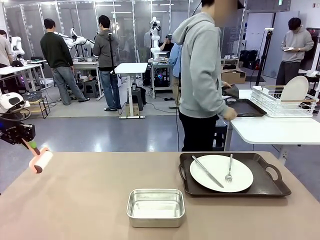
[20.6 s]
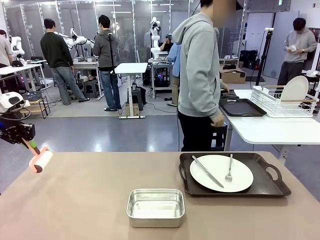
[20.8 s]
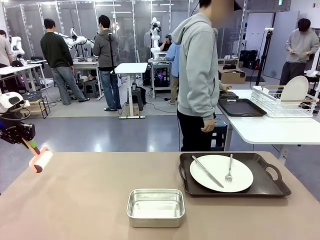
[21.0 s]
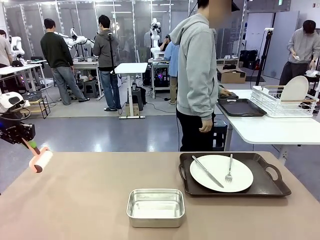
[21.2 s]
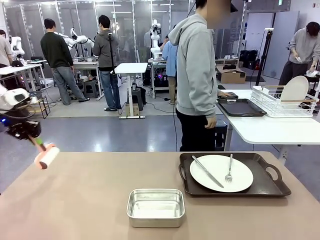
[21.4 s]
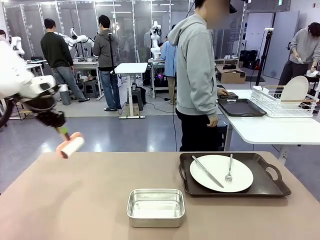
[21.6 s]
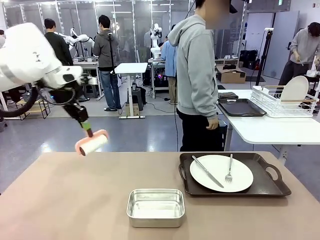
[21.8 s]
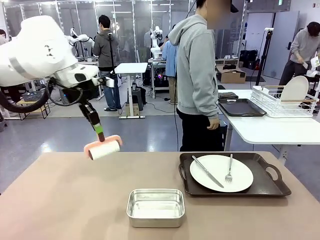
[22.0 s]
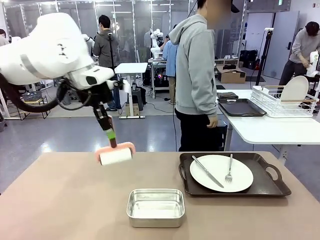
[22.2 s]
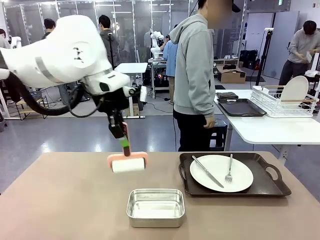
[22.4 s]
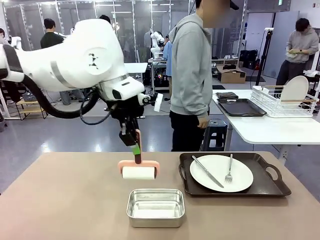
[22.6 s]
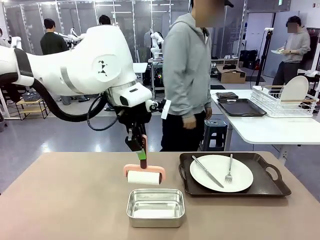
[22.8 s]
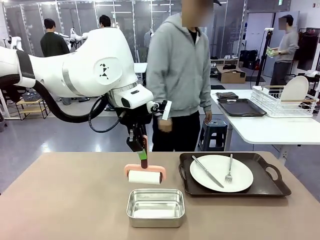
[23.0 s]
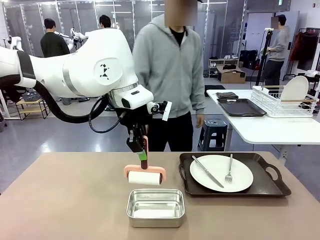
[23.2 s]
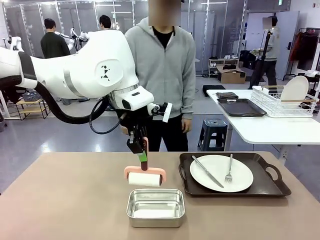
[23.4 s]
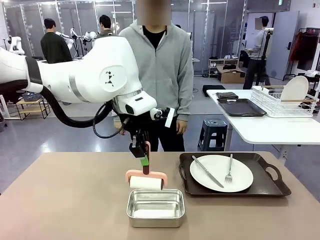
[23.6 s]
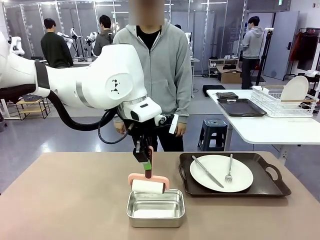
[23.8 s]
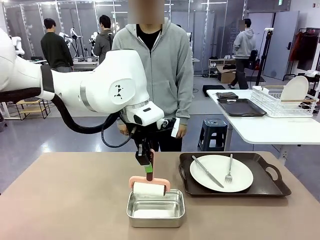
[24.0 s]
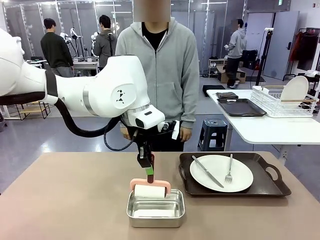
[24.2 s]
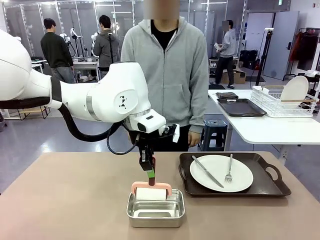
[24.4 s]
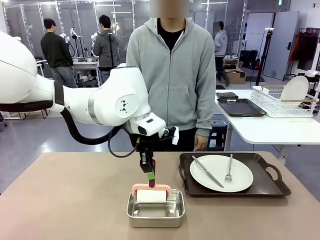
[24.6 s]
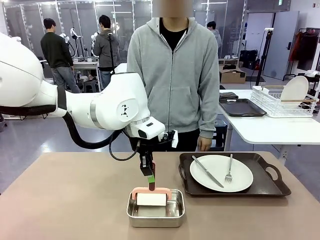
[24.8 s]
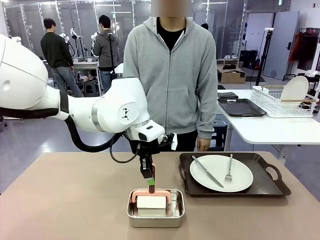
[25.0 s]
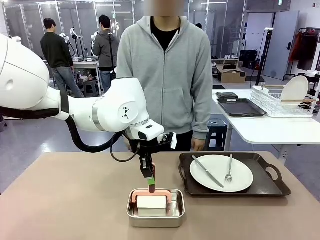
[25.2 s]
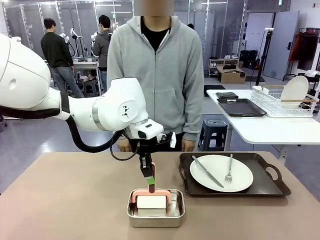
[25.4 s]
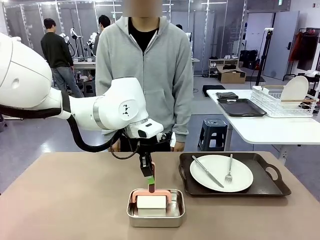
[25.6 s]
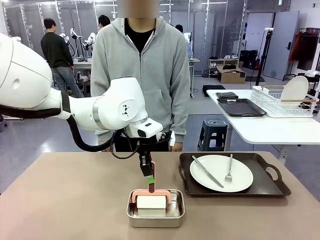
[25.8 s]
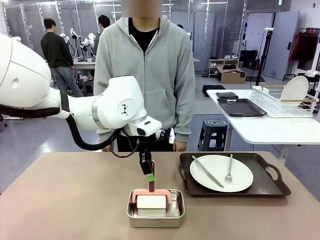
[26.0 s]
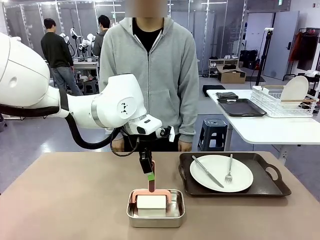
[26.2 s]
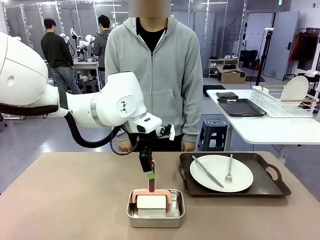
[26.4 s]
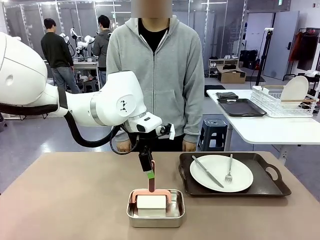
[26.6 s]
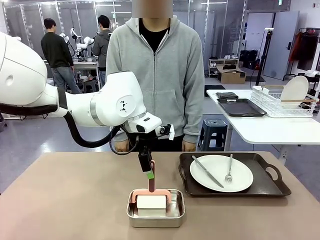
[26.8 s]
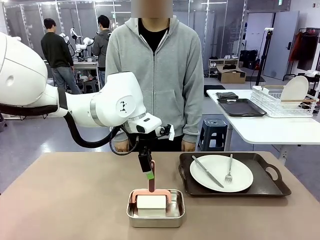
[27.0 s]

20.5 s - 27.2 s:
Robot: Place the Lint Roller back on top of the Airtight Container.

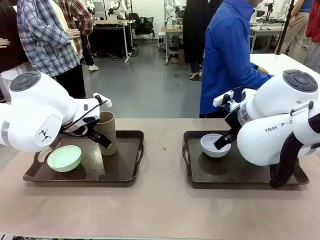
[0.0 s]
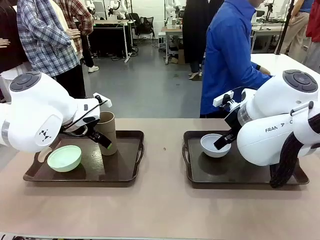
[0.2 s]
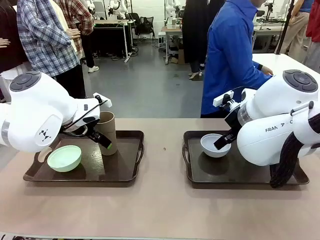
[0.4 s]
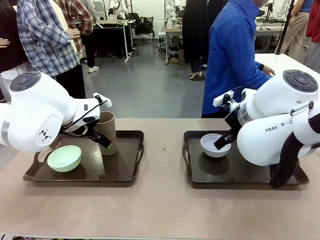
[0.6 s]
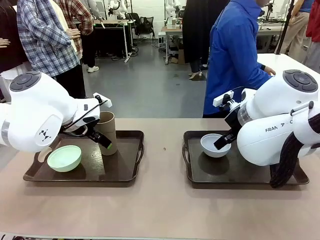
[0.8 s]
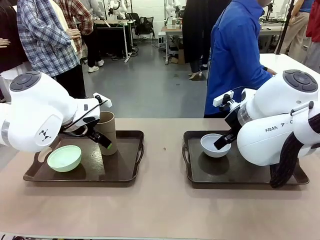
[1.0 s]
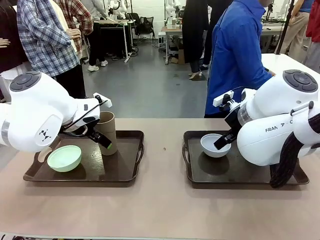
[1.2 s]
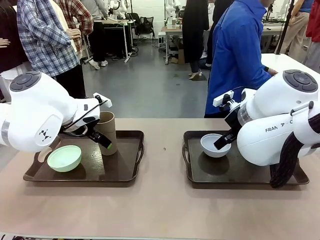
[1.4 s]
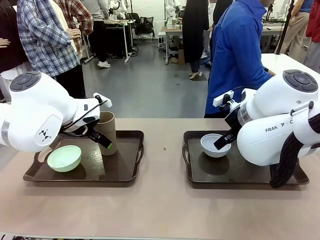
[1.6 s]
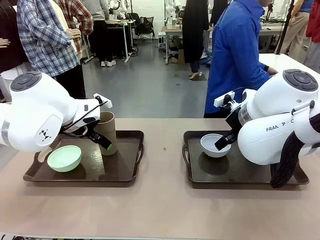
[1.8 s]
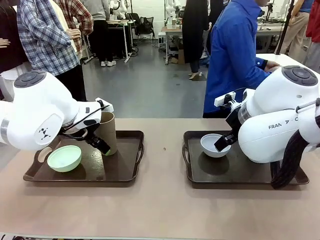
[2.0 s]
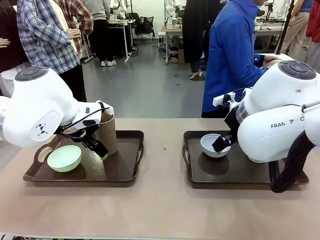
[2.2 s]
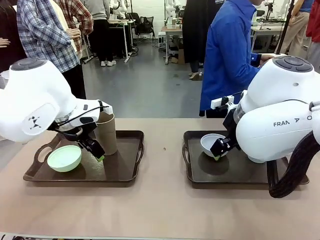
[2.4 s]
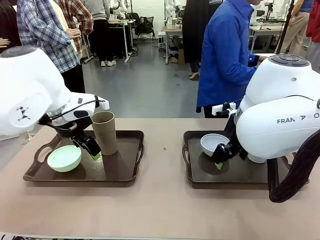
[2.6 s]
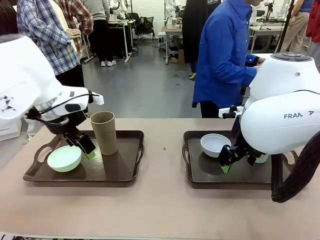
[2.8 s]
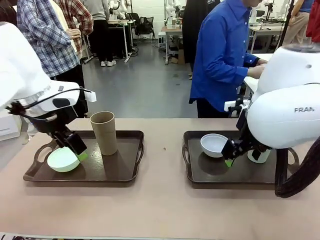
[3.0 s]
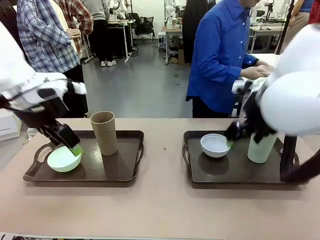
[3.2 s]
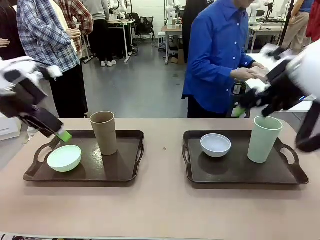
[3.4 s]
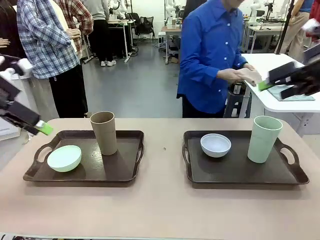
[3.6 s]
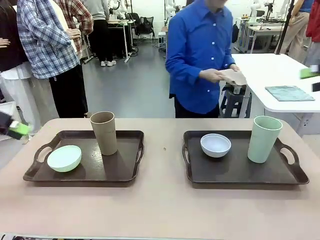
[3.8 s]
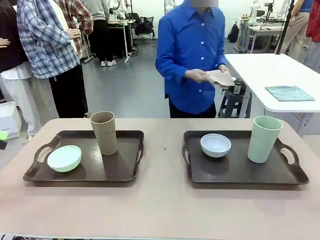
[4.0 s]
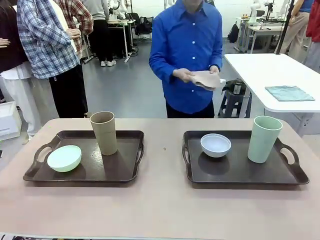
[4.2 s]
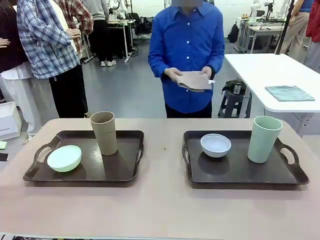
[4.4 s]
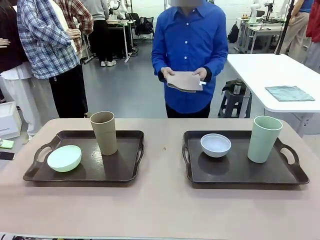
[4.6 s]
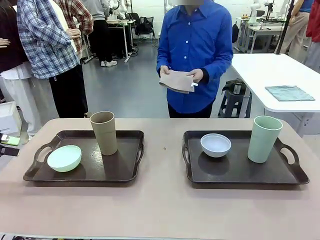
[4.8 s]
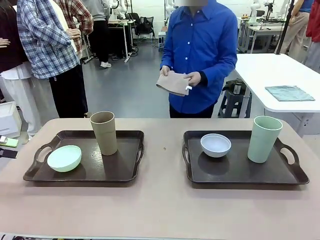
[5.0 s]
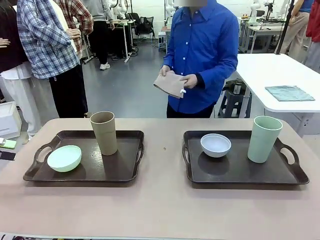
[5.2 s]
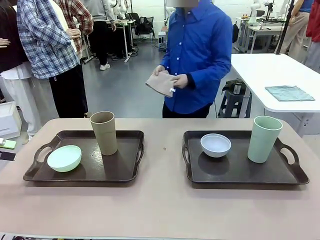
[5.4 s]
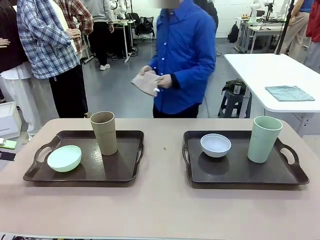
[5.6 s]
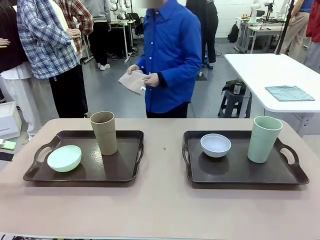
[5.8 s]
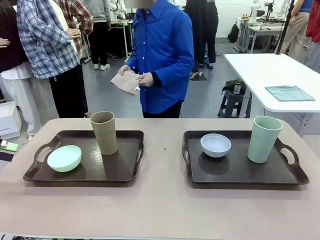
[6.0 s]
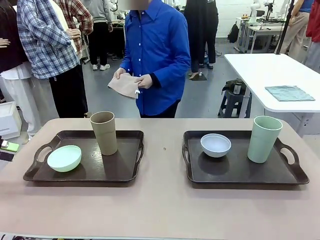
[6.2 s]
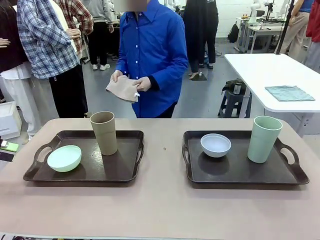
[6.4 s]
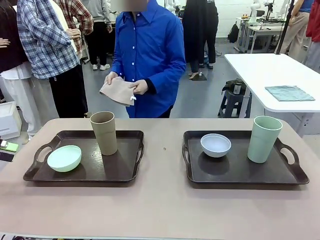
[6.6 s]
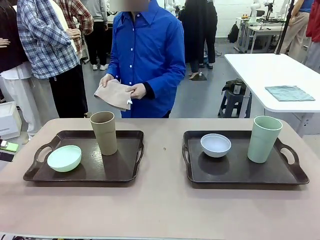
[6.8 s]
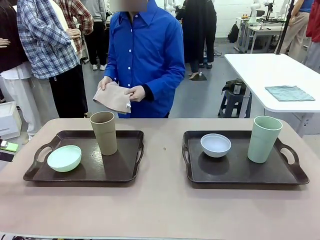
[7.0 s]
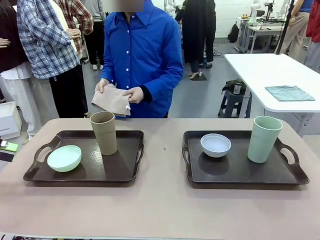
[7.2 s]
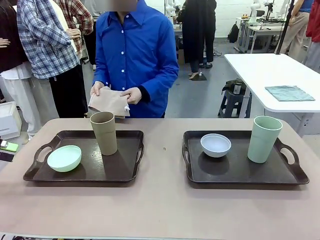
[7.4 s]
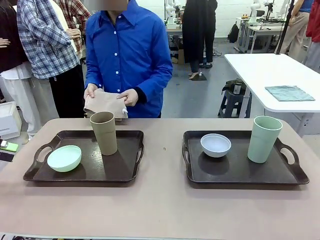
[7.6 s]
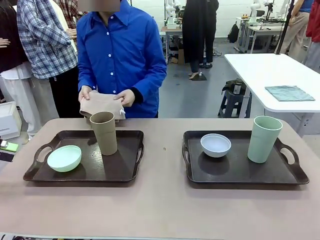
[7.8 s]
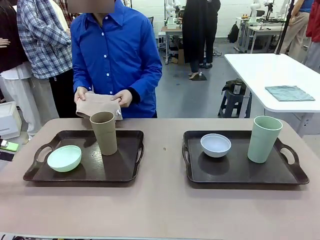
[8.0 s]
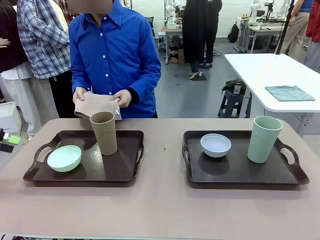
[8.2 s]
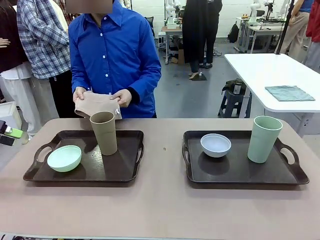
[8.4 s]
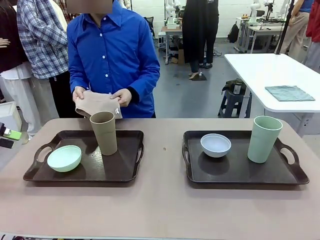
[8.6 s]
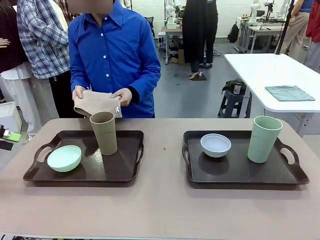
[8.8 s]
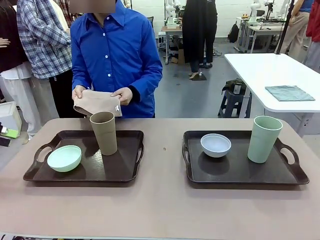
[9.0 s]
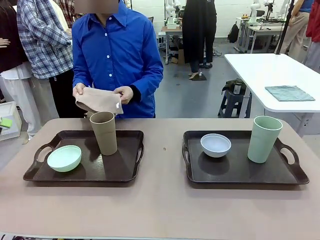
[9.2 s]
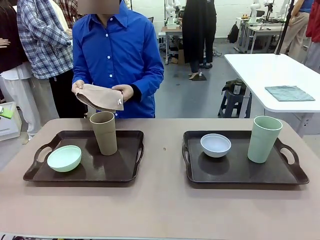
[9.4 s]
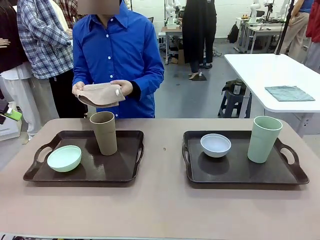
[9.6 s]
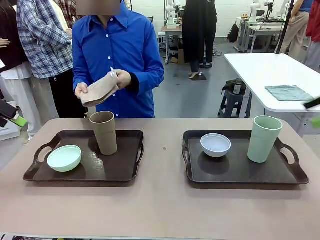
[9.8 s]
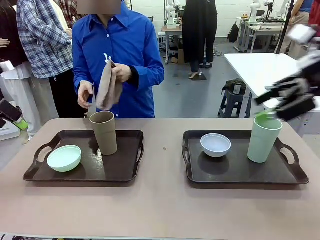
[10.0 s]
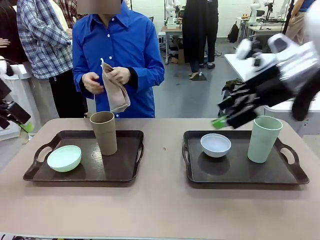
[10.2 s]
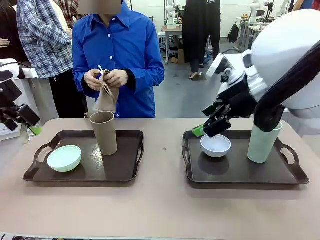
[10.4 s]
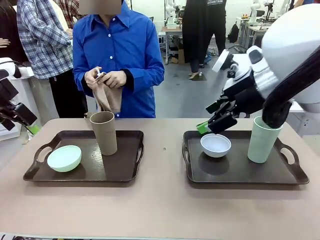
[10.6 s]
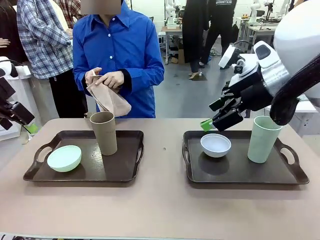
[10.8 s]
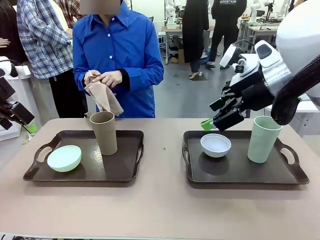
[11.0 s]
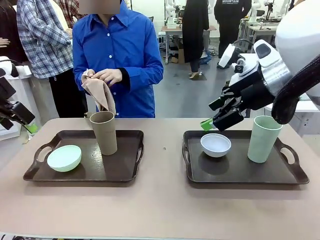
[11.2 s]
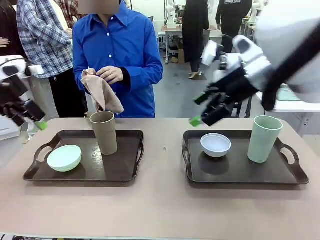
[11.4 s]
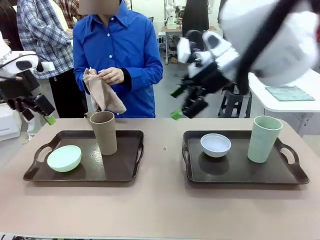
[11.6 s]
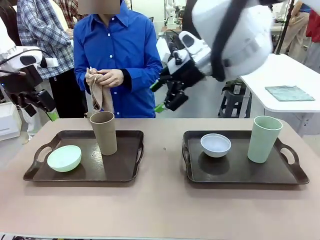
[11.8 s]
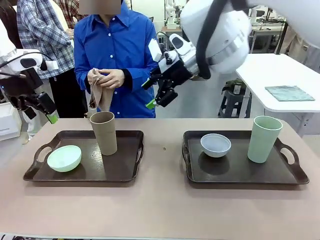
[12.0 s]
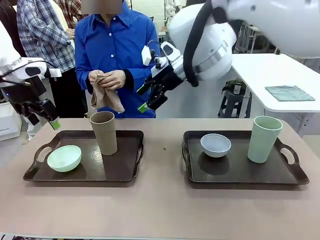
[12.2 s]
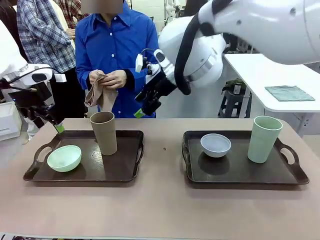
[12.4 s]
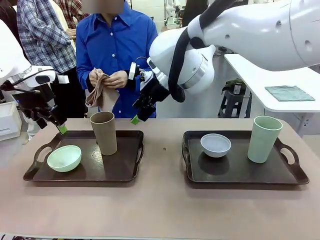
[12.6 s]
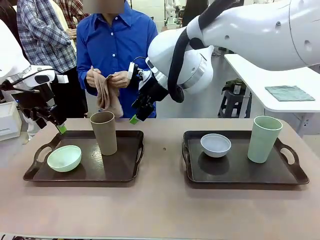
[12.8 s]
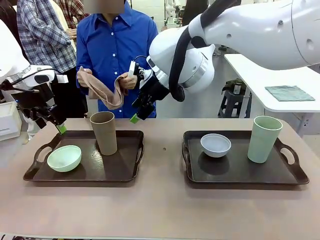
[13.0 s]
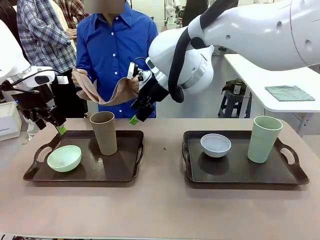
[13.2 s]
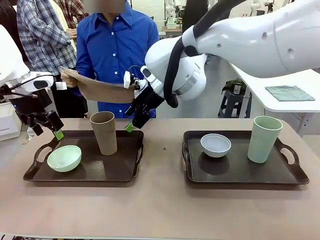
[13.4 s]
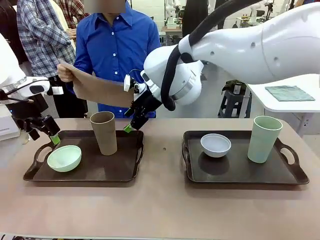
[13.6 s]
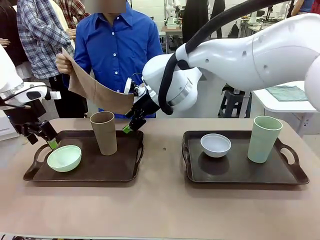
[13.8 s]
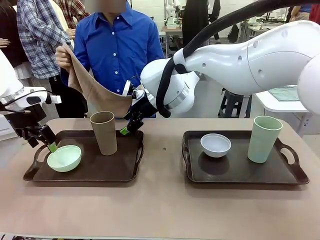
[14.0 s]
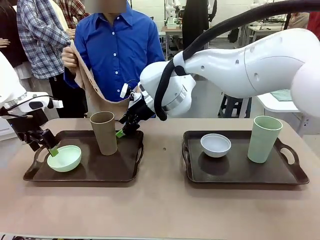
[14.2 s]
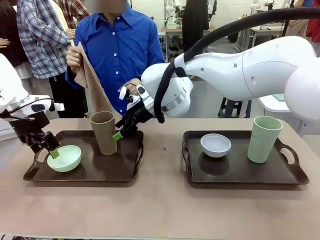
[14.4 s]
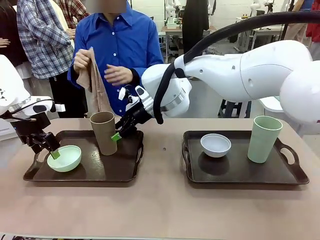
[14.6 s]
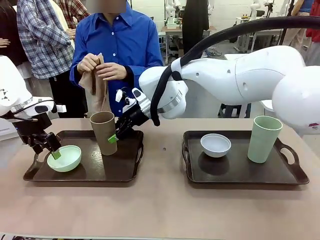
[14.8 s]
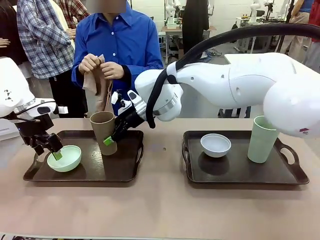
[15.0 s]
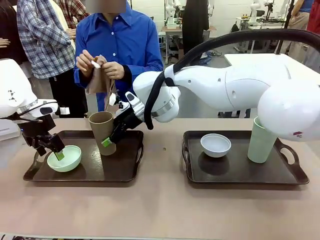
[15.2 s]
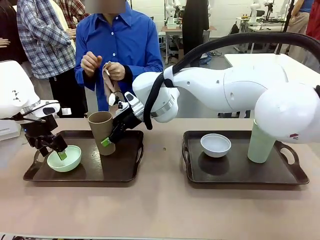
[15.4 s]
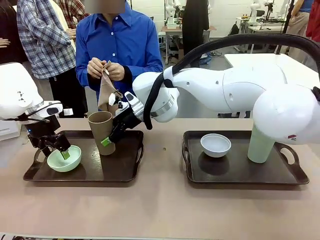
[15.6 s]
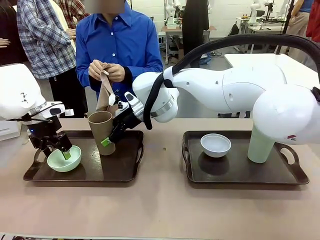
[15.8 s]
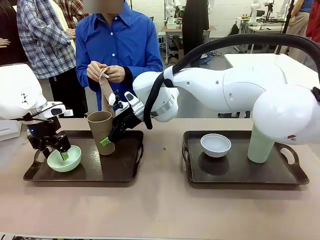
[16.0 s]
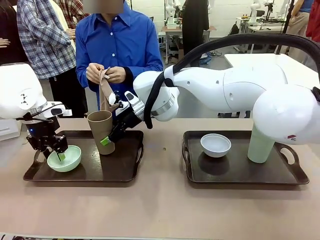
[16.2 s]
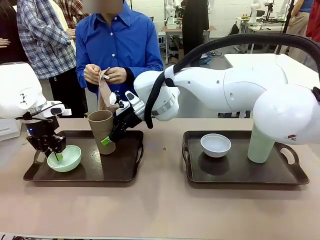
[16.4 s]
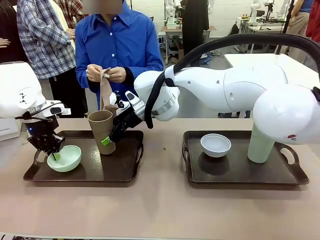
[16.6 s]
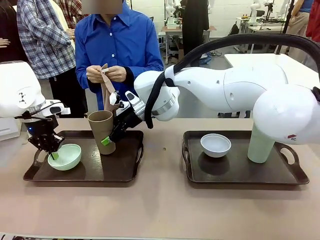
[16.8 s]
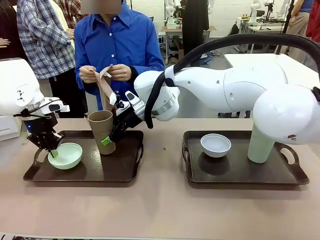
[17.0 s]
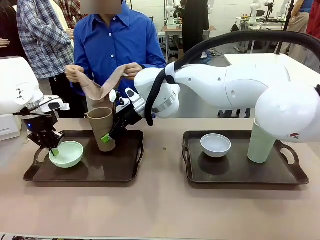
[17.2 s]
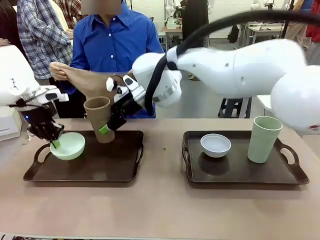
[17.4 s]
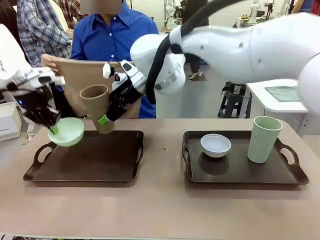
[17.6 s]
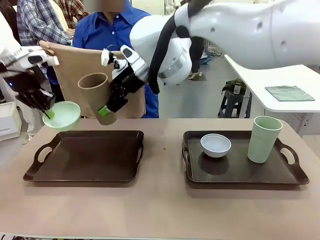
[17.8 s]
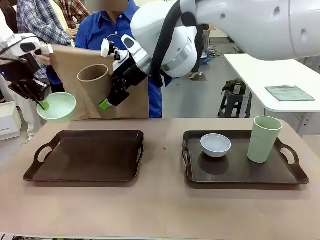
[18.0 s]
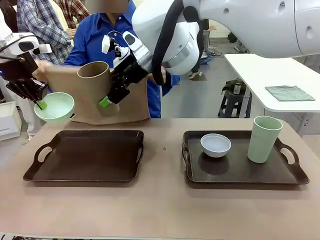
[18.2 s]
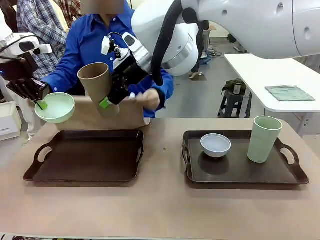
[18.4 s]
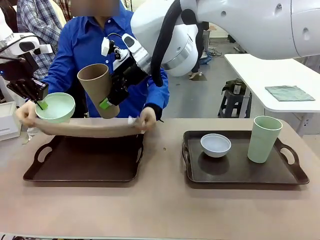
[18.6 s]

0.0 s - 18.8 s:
Robot: Pick up the Picnic Bowl and Reusable plastic cup from the Handle tray in front of the human's position and hold them in the air.
Person: The human picks up the top napkin from the stack on the human table and walks to the robot table to stand in front of one of the two trays. When the robot lifts the bowl and the cup, the human unfolds the napkin and lays the napkin flat on the tray.
